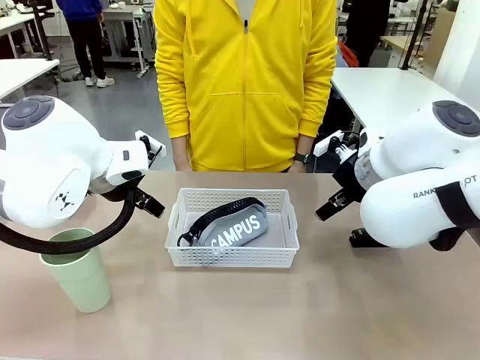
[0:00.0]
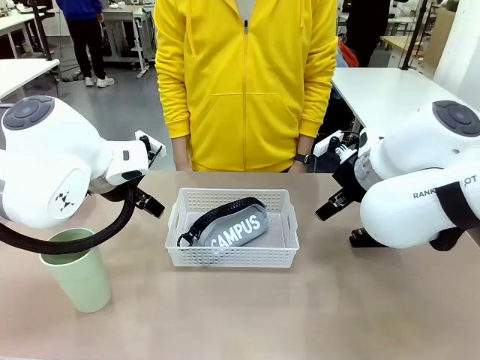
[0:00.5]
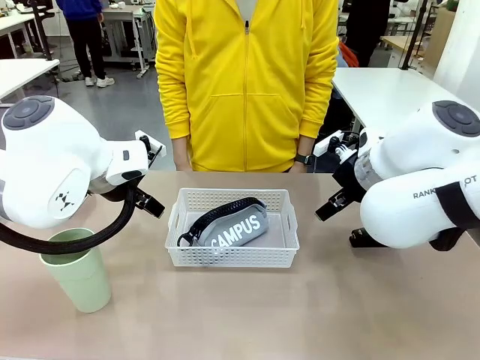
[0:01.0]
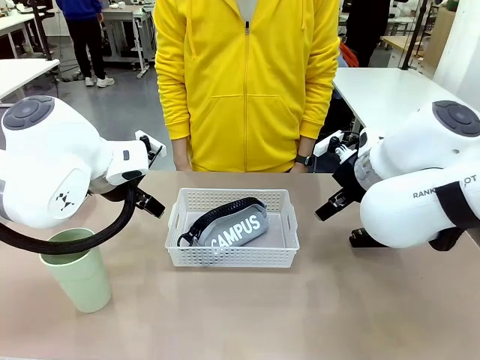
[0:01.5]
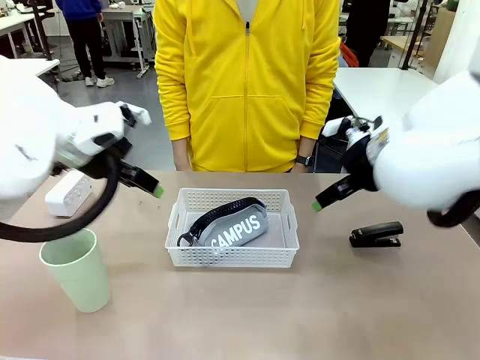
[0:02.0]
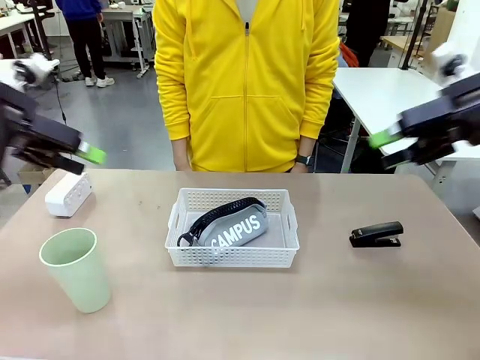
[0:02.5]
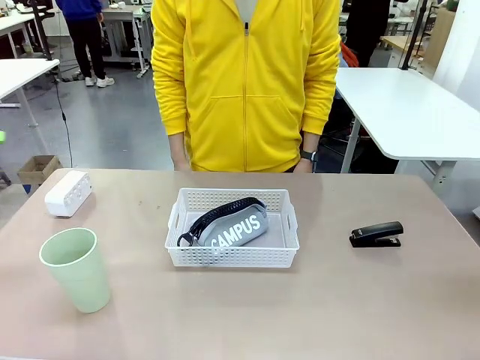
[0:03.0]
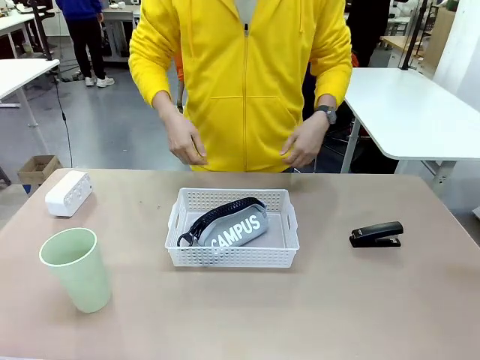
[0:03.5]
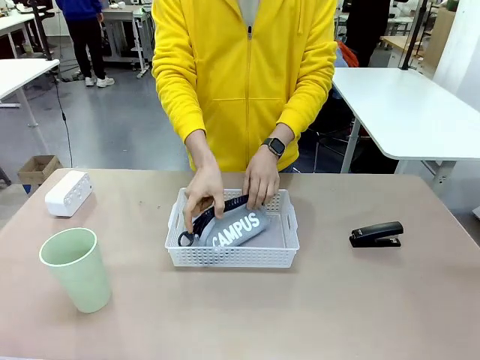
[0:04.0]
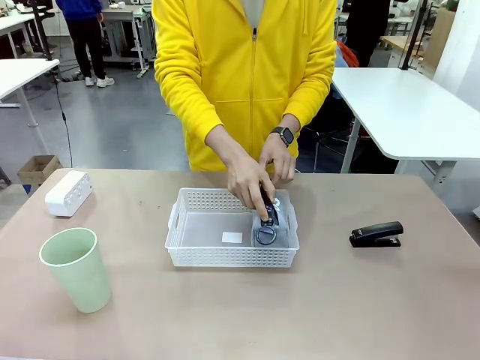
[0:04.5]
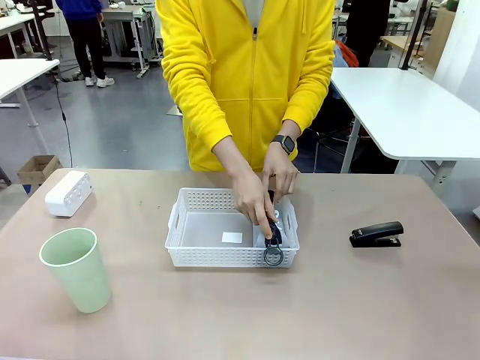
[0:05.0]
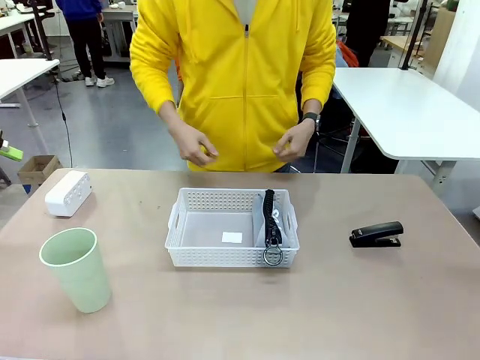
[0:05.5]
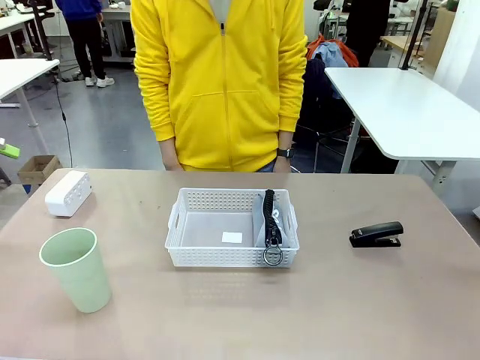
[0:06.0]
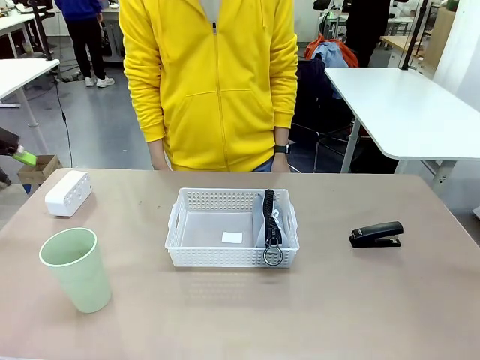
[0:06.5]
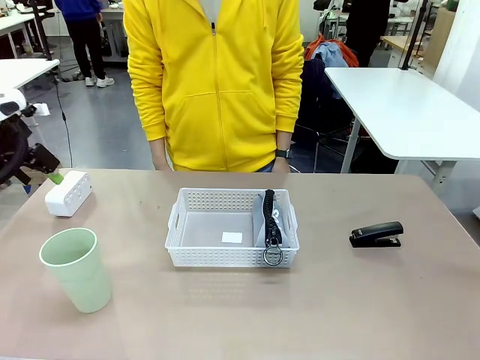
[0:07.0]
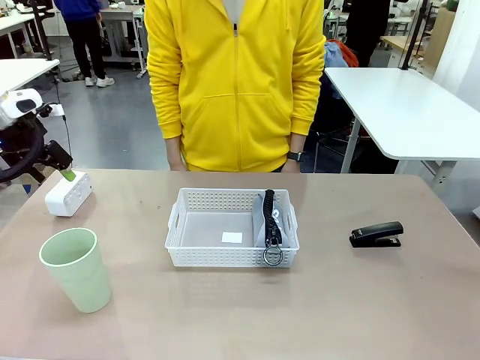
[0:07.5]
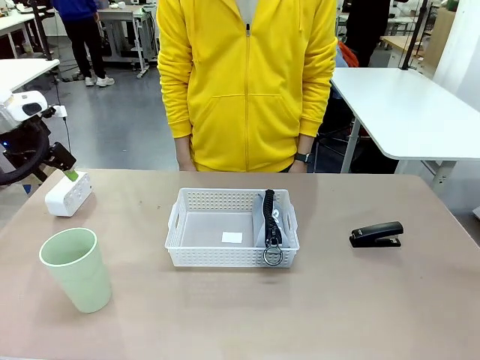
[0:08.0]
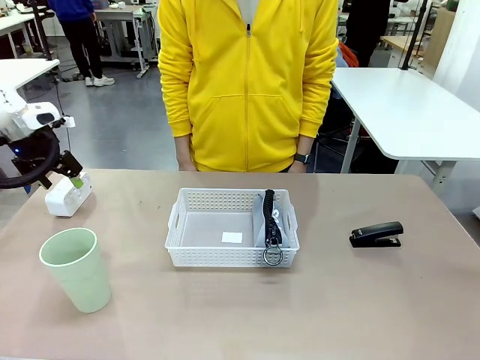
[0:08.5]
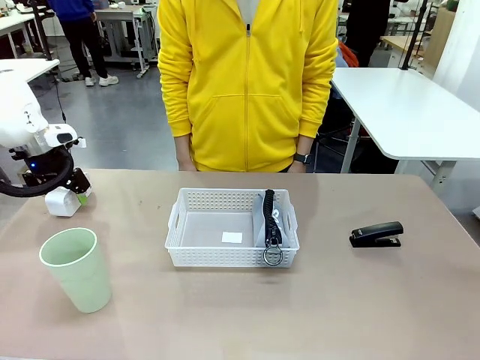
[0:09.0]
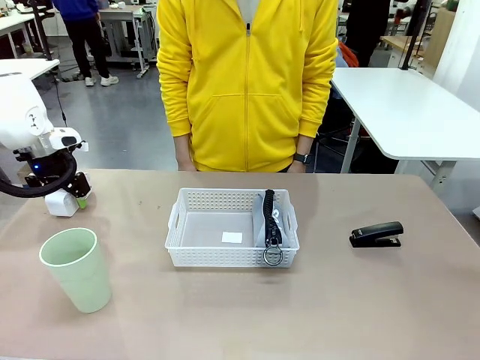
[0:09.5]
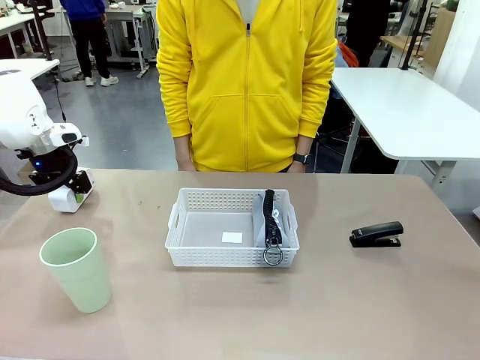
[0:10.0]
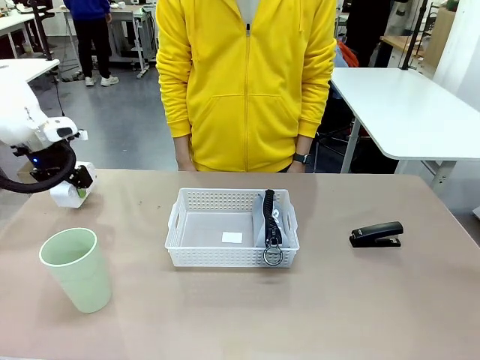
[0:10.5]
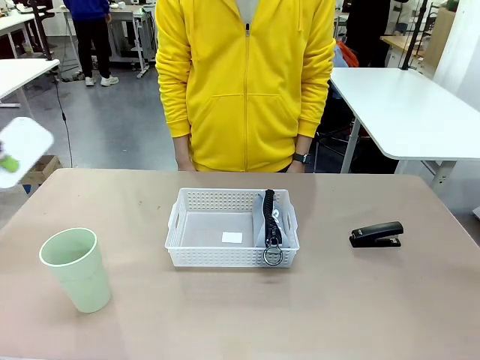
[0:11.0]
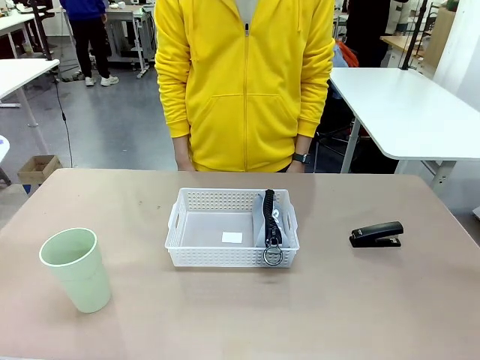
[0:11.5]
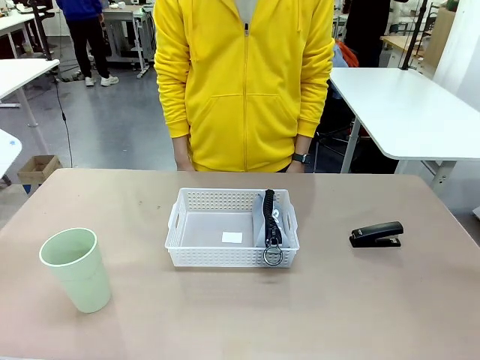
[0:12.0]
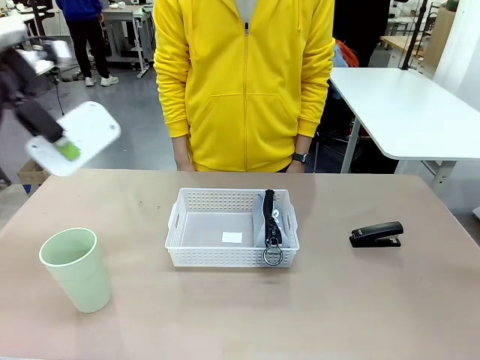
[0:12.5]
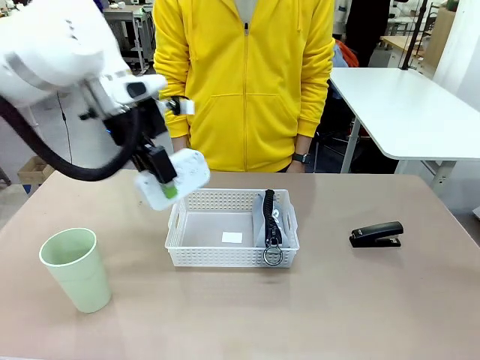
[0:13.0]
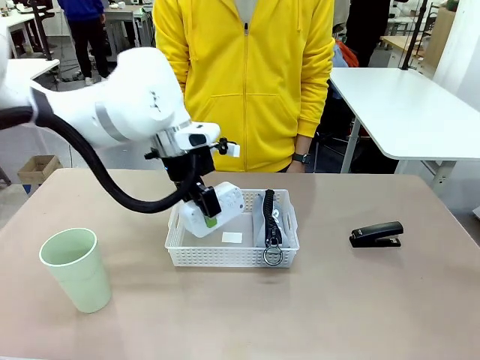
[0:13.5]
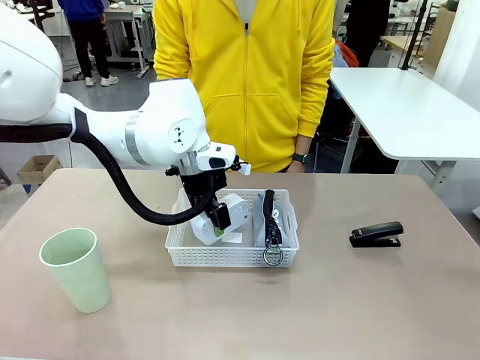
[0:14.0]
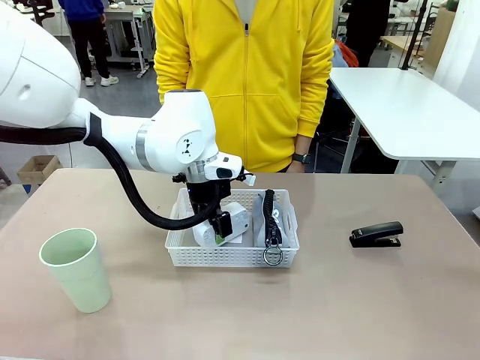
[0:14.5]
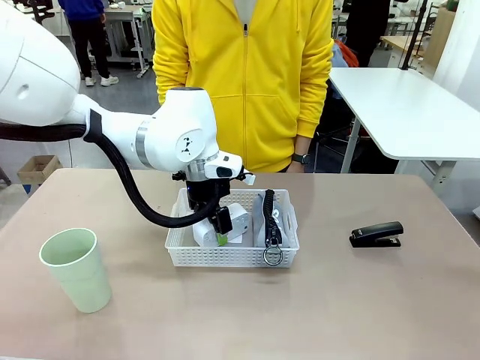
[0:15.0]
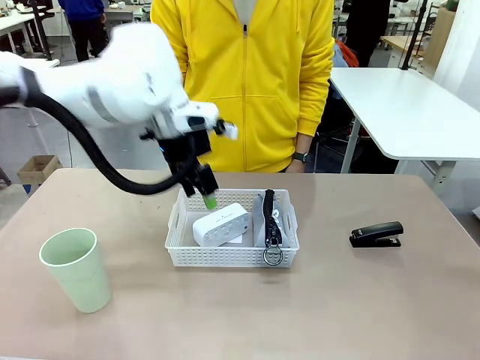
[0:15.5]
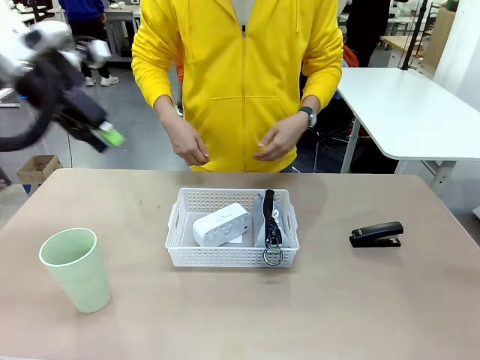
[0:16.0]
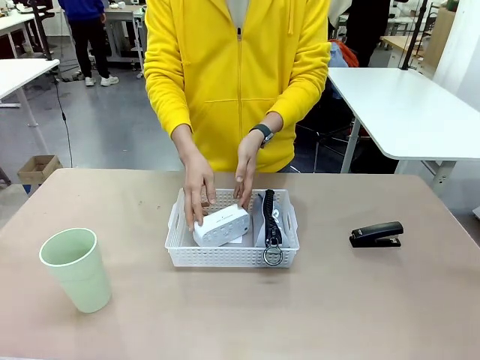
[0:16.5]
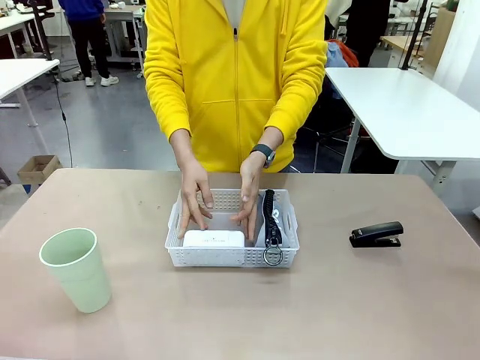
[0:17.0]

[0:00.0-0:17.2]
Task: Efficiently arrange items inside the basket to fit them all.
Robot: Pick up the Digital clock and place it inside the Organizing basket.
Person: Repositions the pencil case. Repositions the digital clock.

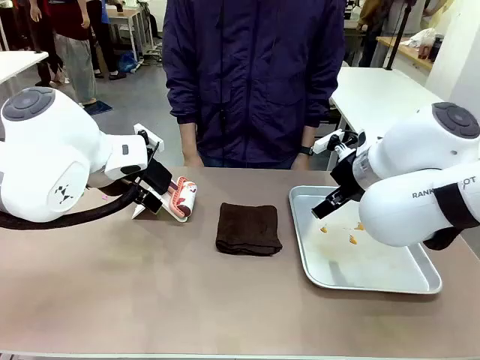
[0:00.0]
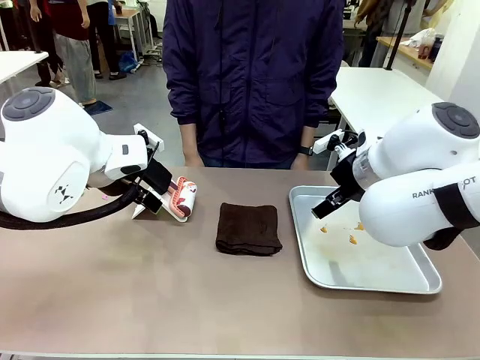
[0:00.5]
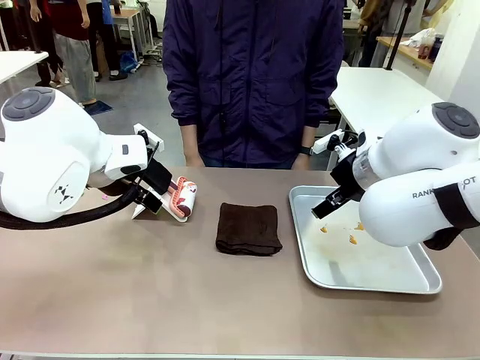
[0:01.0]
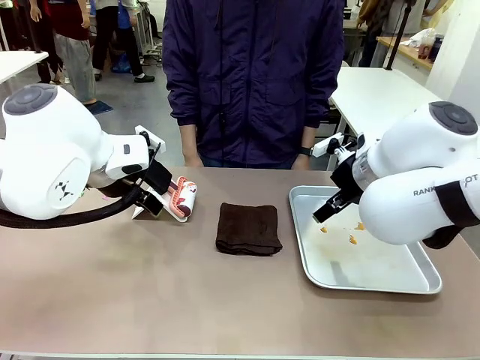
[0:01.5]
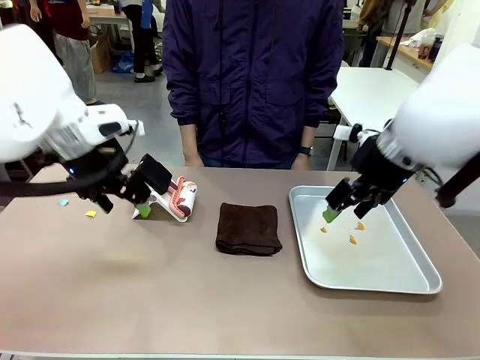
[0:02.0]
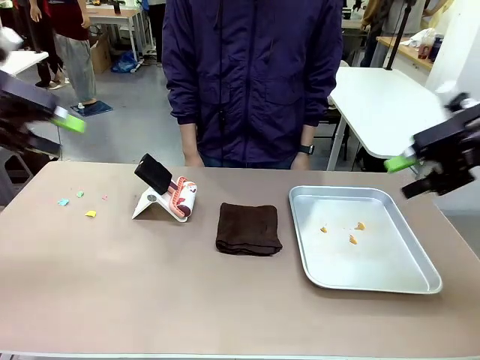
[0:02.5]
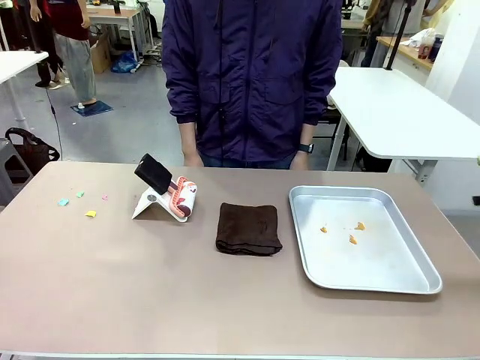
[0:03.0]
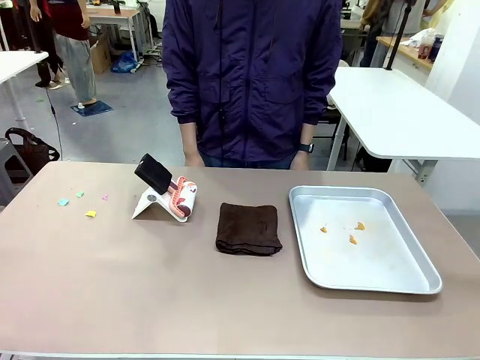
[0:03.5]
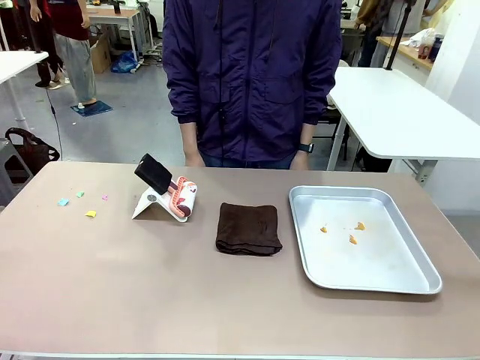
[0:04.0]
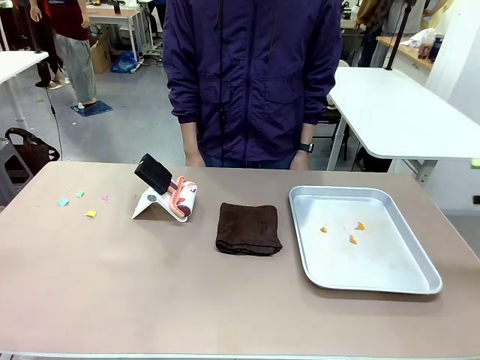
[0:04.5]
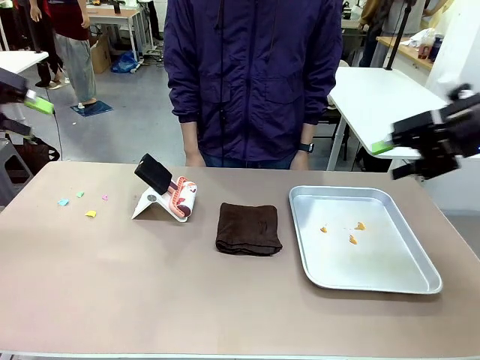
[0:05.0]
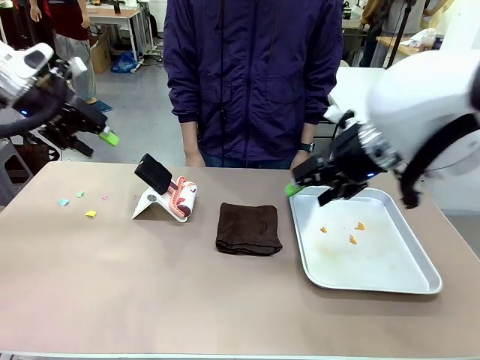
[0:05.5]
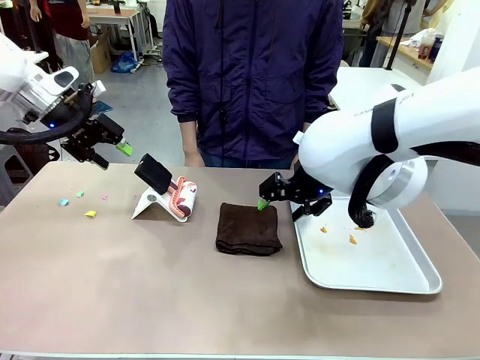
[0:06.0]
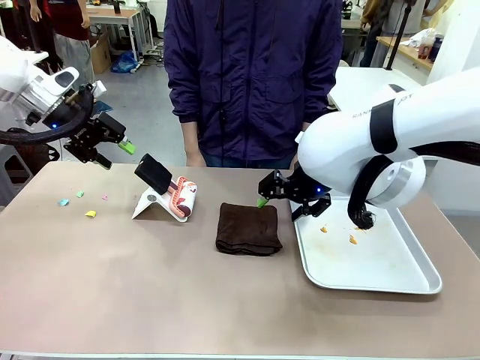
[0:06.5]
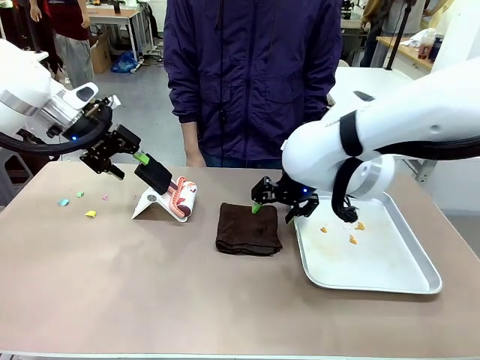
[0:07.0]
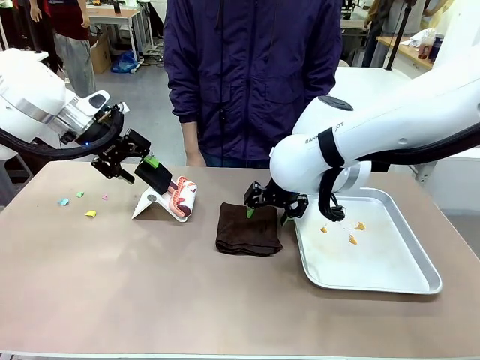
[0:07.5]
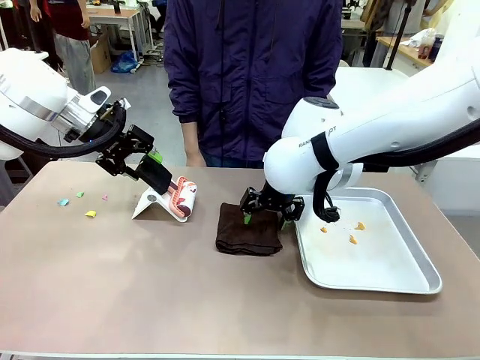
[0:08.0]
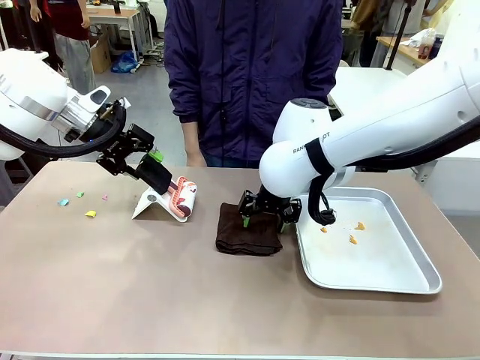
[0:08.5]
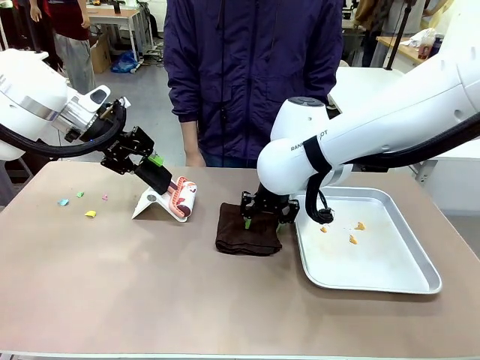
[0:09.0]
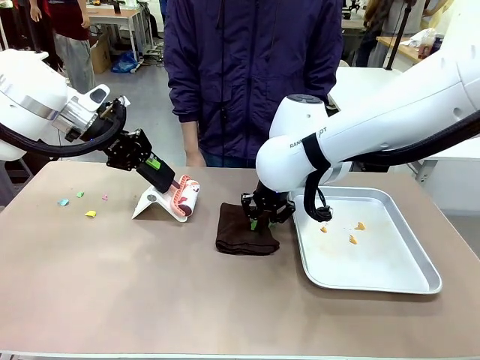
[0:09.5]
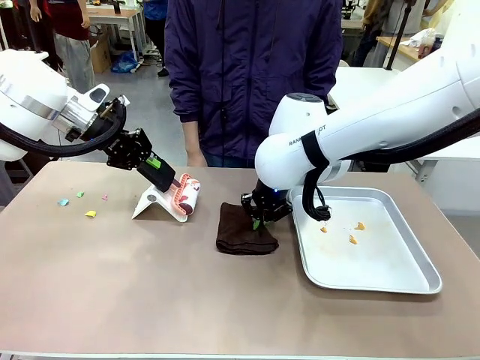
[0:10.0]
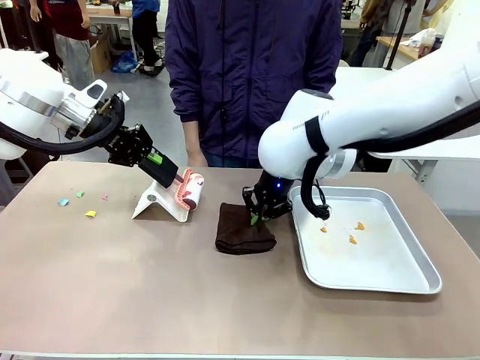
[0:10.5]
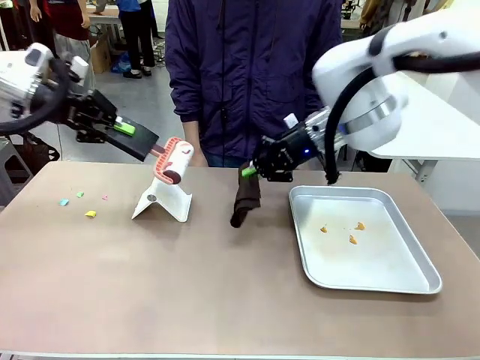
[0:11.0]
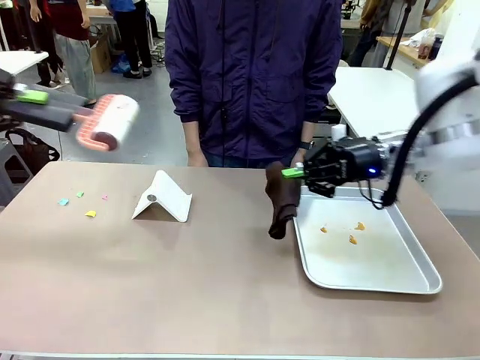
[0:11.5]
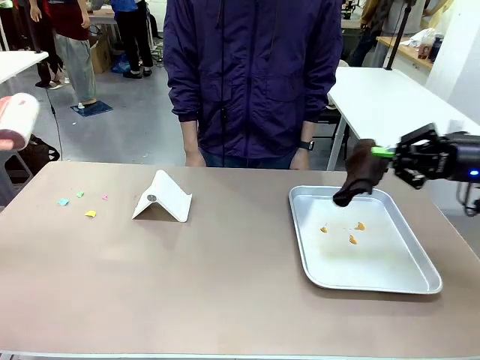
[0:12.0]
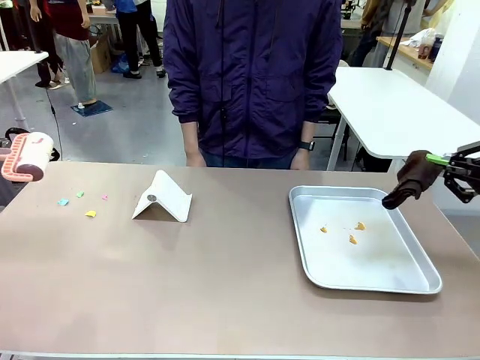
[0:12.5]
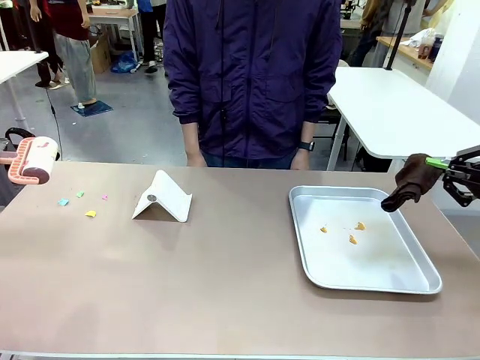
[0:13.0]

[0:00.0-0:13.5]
Task: Clean the surface of the table.
Robot: Hold the Lint Roller with your left hand and the towel with your right hand.
